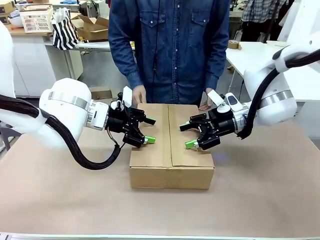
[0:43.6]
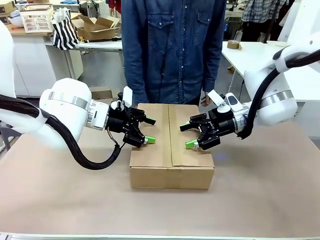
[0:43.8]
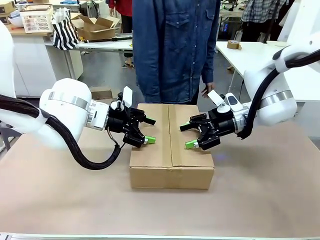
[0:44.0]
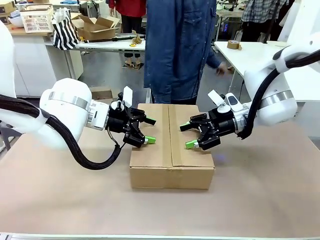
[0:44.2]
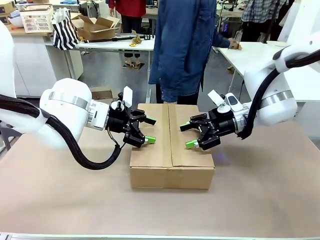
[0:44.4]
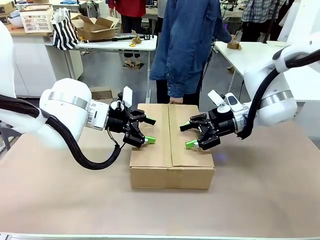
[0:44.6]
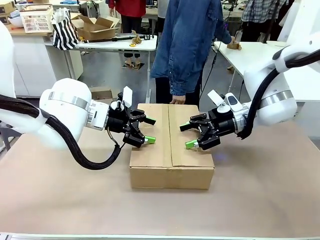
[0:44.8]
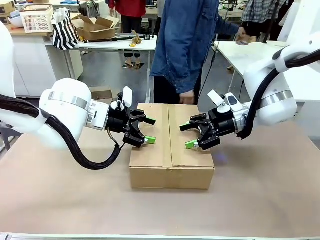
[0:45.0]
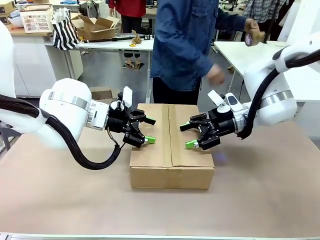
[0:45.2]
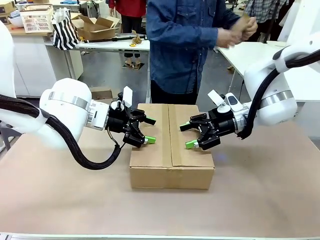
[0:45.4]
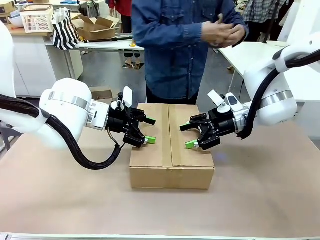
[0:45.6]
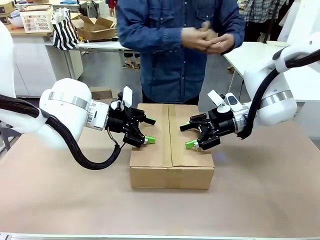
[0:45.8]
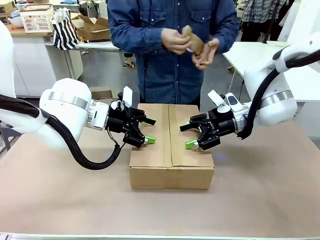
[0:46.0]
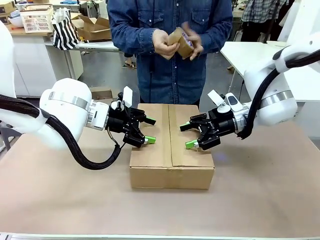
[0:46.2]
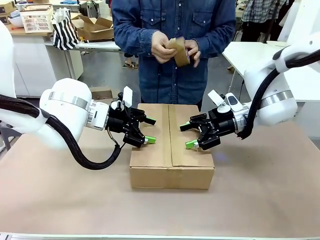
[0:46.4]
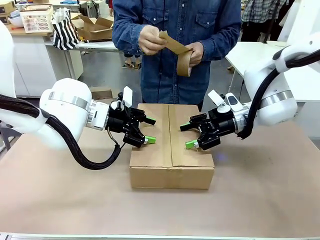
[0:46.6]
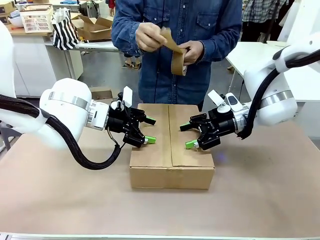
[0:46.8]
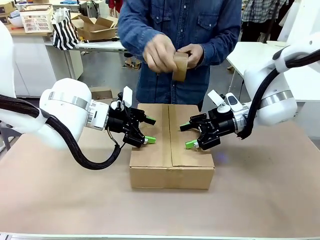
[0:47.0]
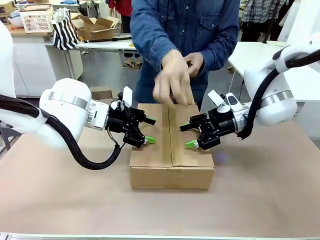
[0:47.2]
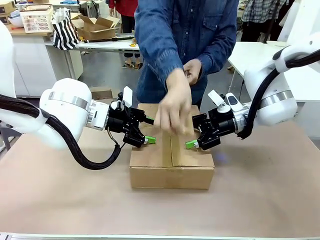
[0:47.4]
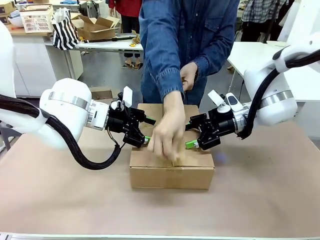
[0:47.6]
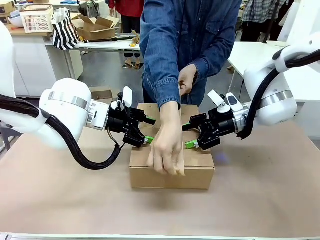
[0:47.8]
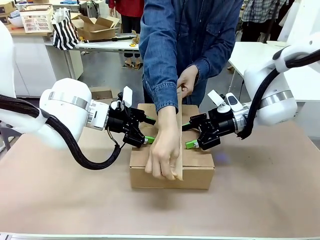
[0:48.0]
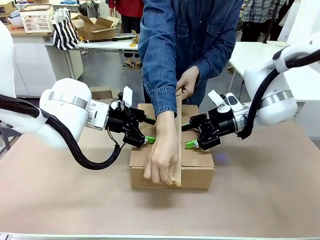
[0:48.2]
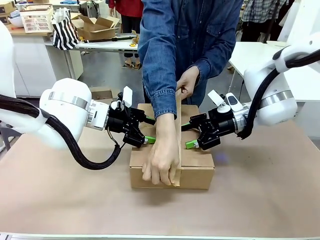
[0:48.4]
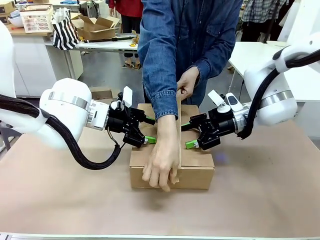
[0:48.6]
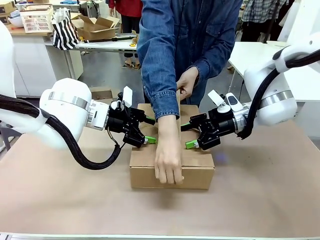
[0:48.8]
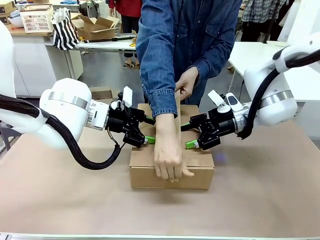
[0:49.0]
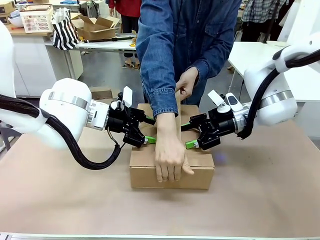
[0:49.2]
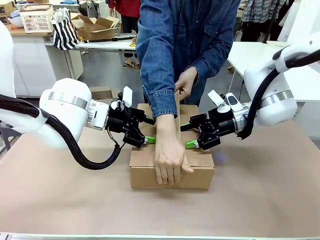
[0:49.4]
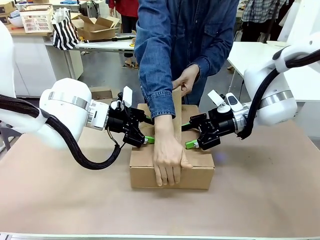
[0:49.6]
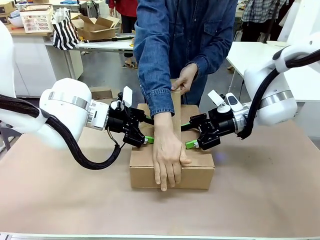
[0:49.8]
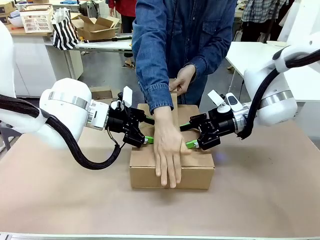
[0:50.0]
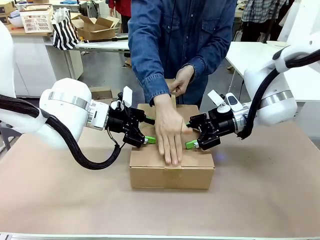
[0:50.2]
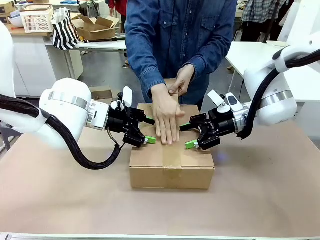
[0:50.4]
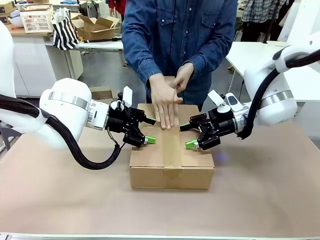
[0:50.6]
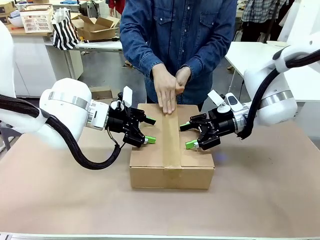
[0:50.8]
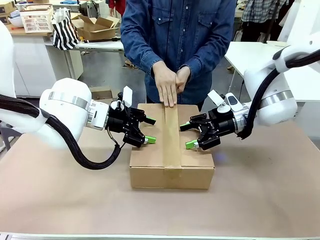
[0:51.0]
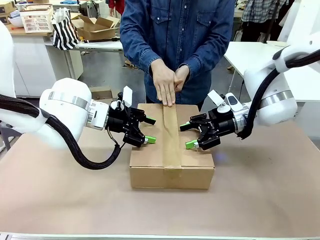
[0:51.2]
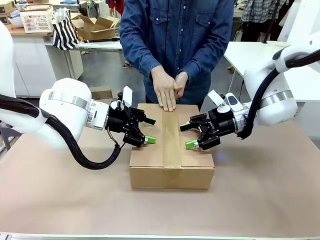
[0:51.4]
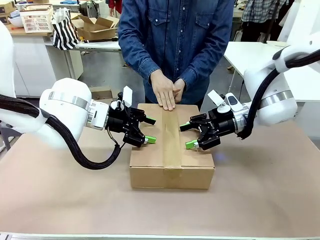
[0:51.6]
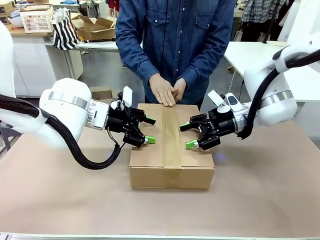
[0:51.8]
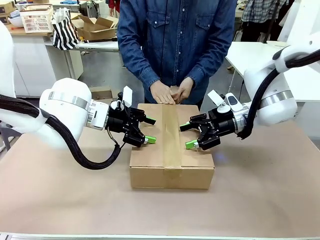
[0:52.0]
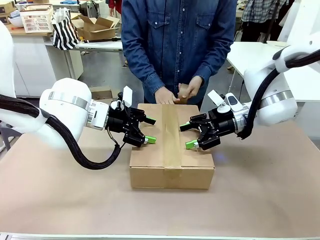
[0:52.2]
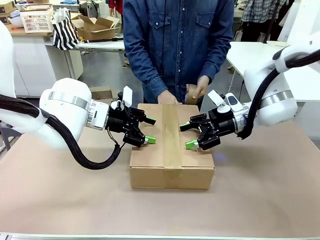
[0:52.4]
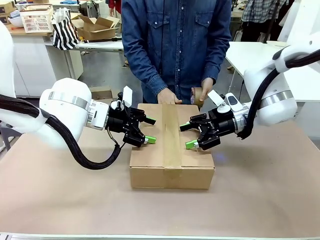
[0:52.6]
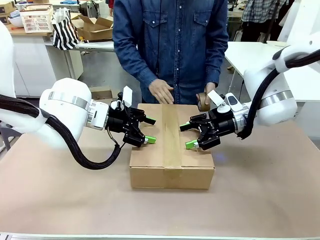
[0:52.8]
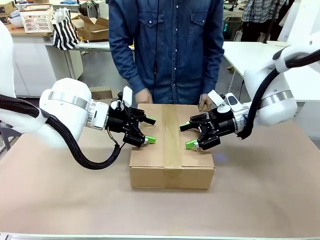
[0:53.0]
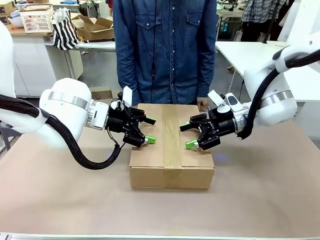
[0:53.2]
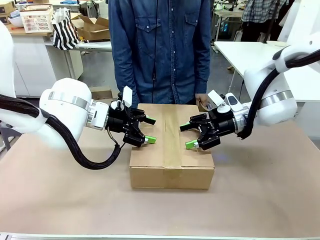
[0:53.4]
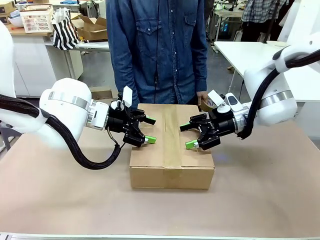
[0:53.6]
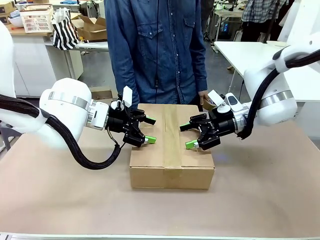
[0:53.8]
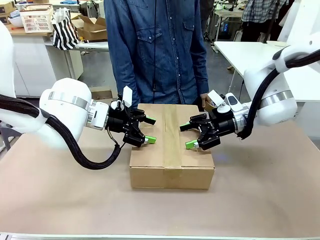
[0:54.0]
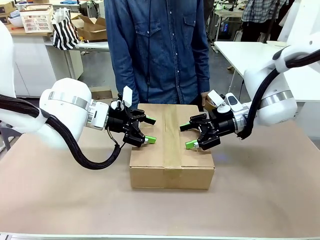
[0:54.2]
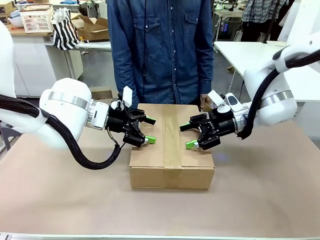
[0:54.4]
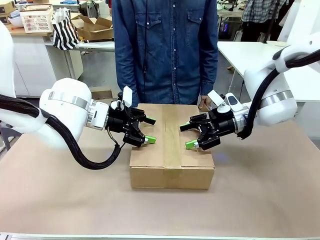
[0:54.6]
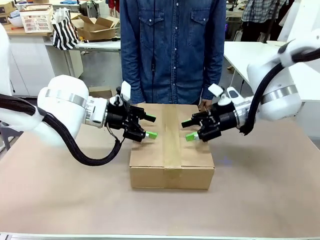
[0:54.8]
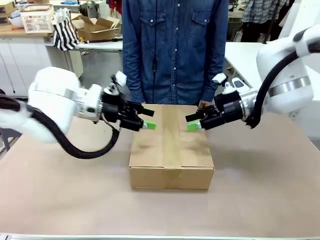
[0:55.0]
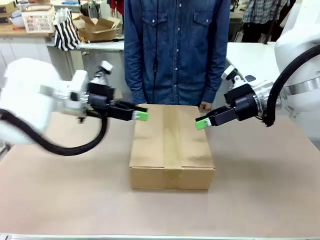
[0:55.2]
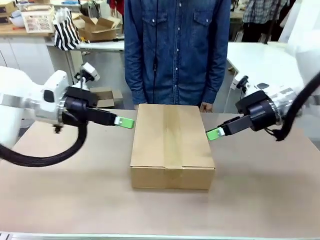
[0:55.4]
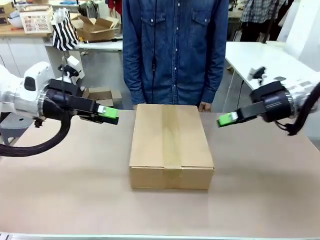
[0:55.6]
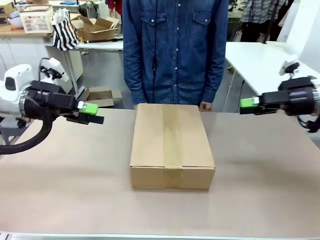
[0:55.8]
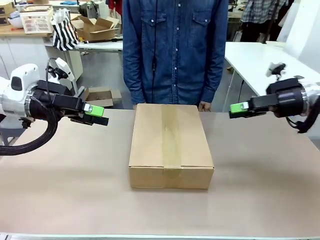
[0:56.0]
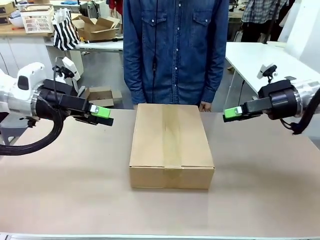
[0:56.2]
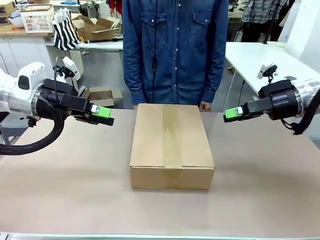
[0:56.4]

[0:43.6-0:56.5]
Task: Pack the gift set into the box.
Robot: Press and hold the closed box until the human finishes sealing it.
Person: The human picks up the paper tape from the human table and packs the box.

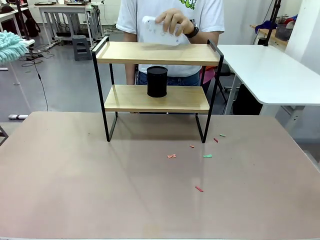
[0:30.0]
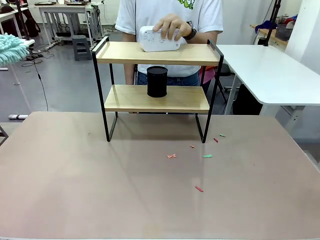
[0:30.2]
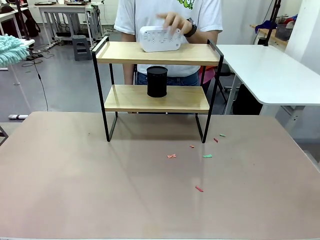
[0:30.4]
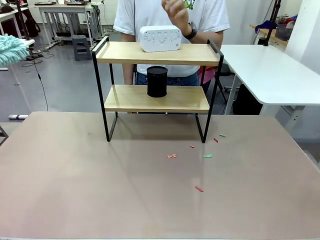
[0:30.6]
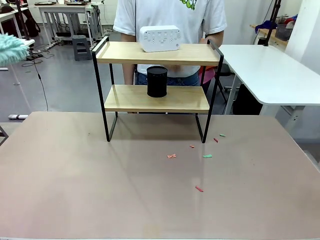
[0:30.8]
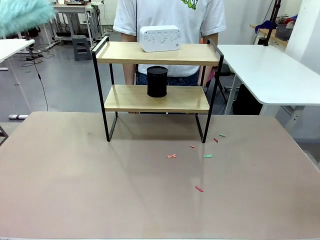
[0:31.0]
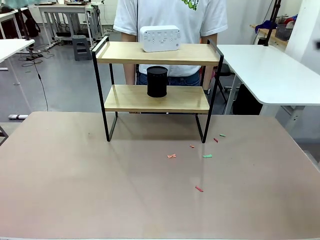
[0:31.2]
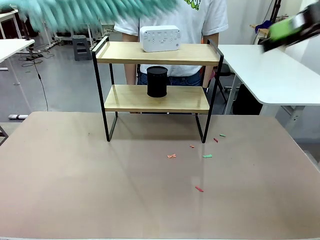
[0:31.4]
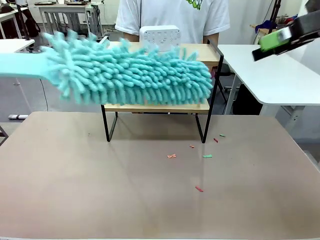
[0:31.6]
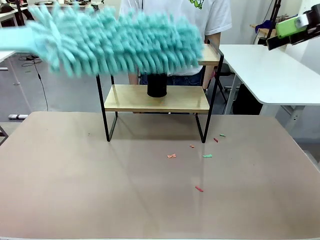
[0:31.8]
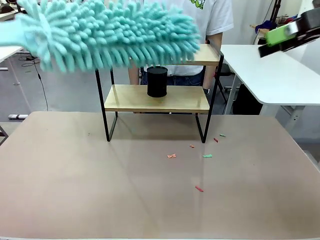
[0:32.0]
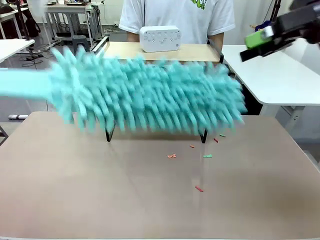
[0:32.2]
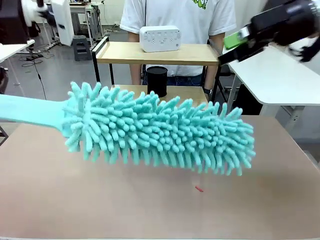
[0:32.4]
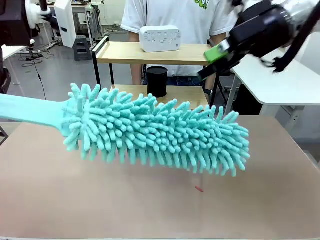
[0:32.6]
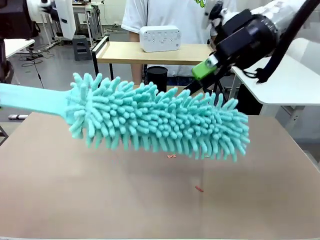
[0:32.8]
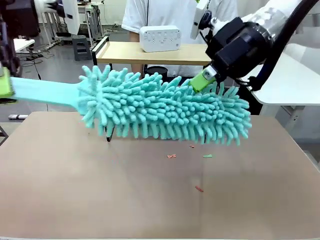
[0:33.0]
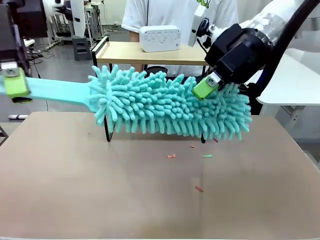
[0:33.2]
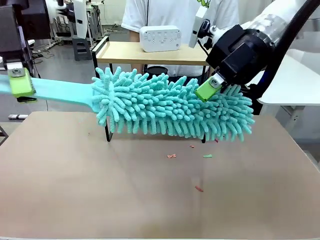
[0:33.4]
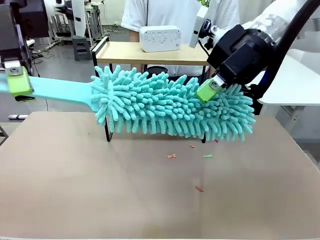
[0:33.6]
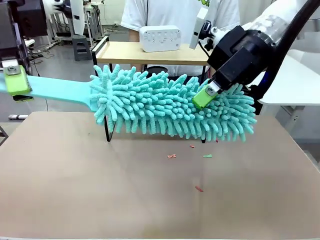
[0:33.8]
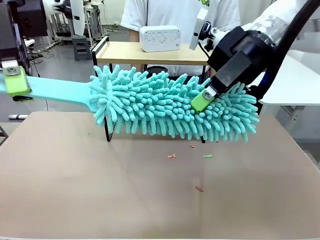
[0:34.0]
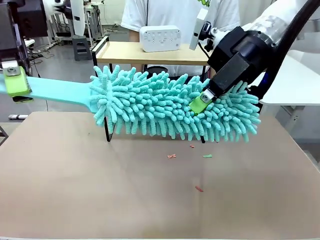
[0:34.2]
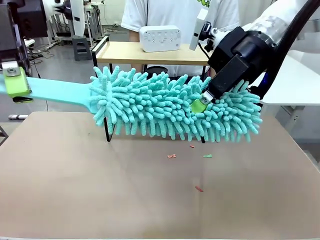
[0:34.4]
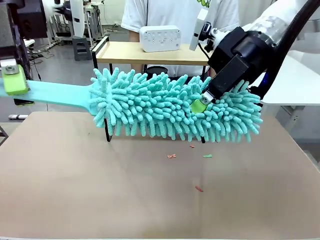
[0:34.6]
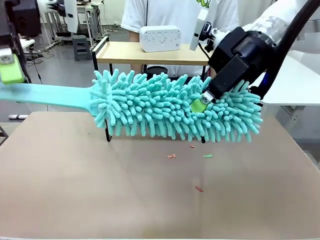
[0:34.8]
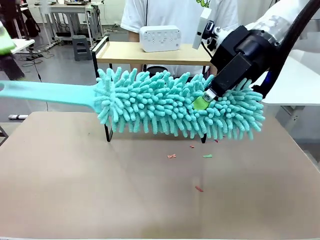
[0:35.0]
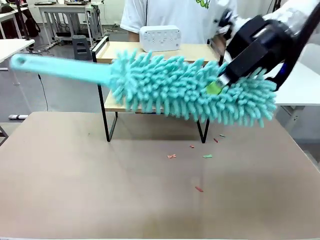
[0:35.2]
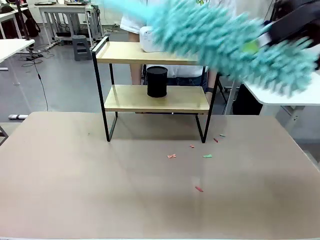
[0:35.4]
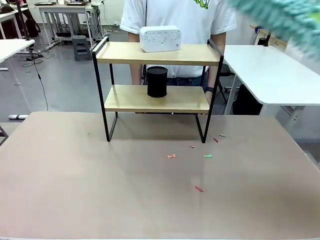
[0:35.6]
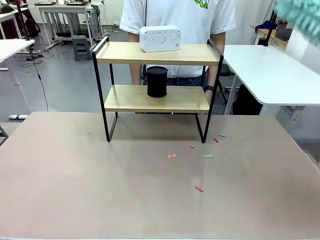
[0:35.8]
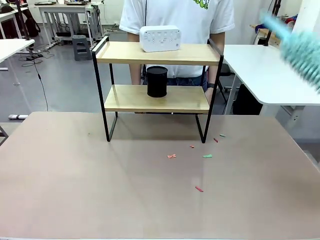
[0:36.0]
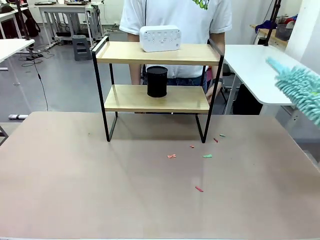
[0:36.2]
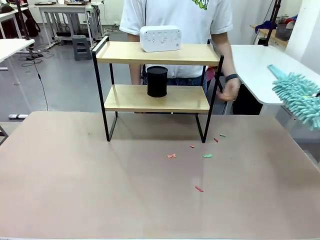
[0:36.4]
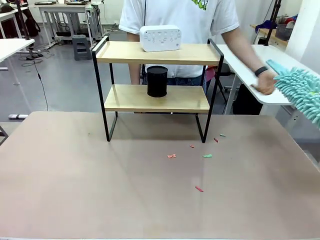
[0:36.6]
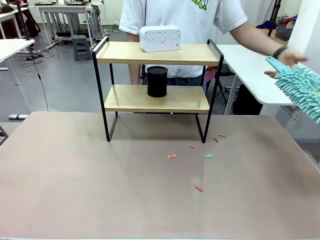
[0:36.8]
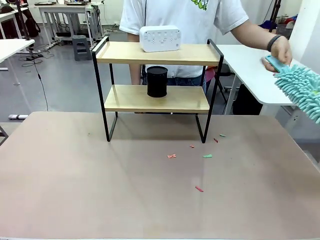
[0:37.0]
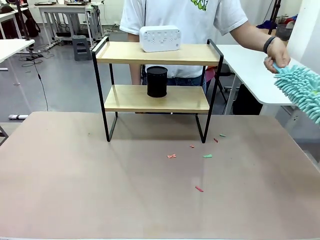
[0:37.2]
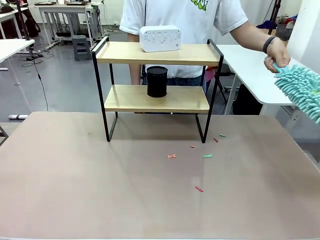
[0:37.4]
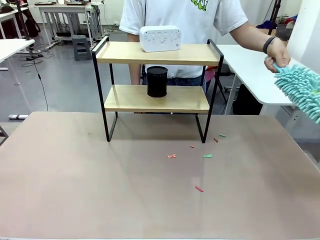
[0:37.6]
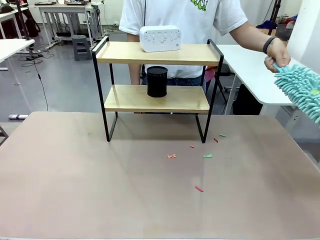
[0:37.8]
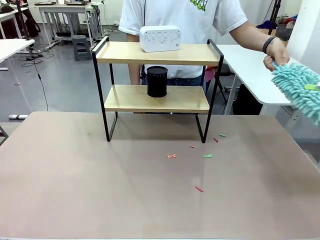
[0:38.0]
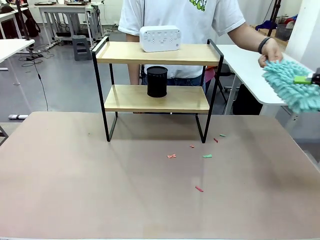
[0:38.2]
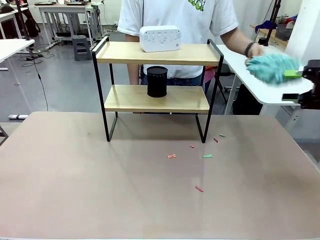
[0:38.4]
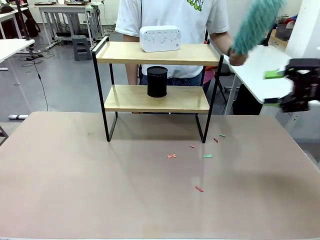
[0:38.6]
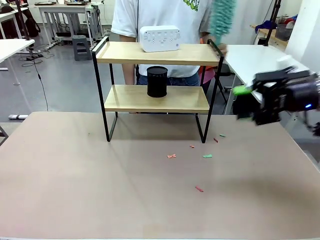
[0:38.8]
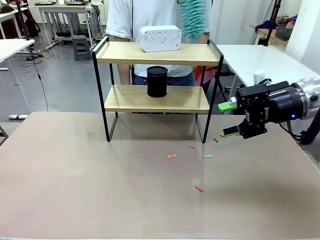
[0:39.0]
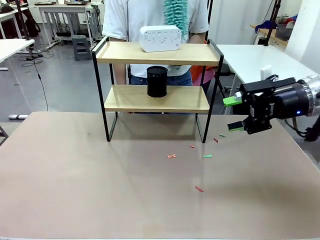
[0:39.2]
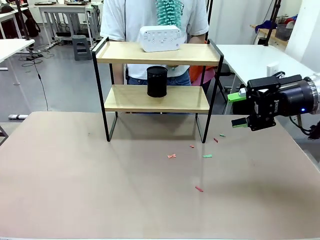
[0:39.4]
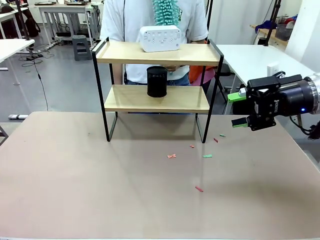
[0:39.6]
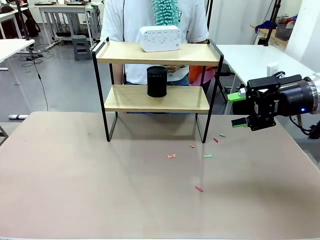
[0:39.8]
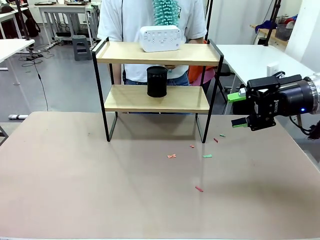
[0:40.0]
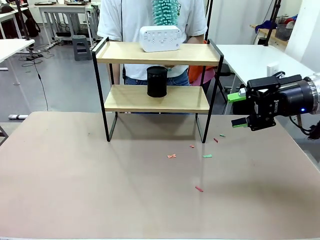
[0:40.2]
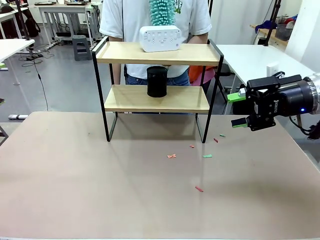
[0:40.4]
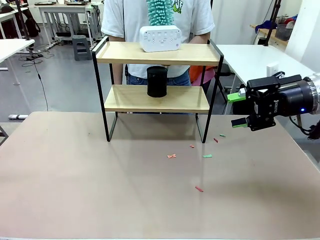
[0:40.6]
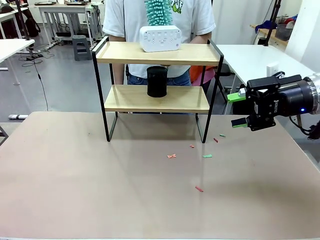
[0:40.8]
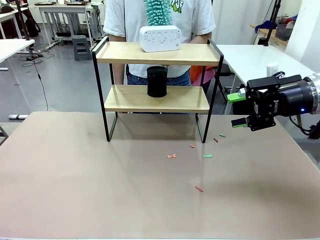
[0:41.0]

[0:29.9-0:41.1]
Task: Clean the shelf.
Robot: Hand the Duster back to the human.
Person: Receive the Duster from the robot.
